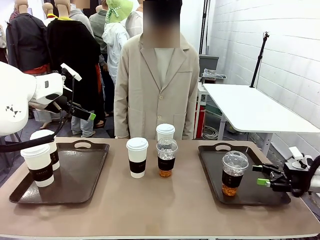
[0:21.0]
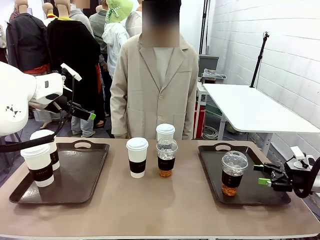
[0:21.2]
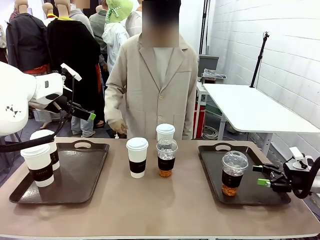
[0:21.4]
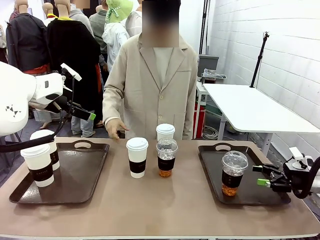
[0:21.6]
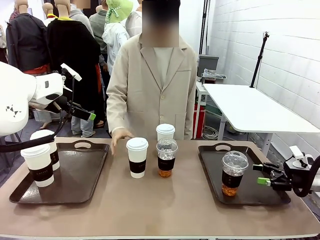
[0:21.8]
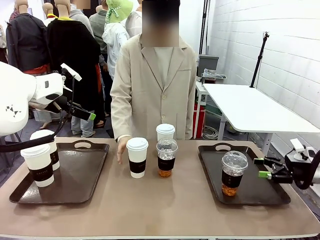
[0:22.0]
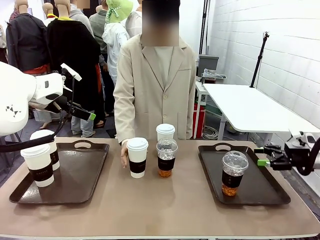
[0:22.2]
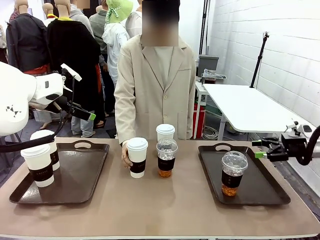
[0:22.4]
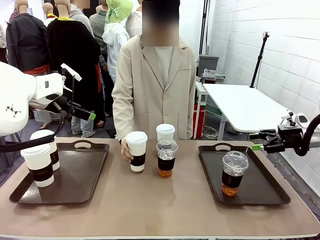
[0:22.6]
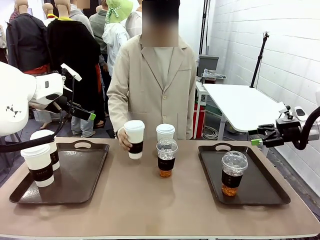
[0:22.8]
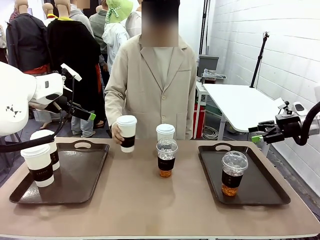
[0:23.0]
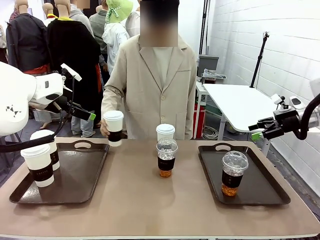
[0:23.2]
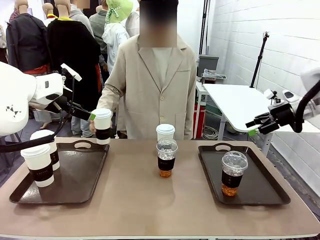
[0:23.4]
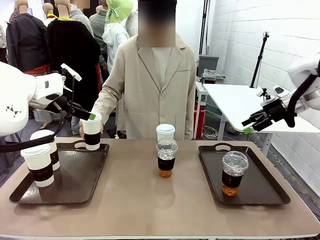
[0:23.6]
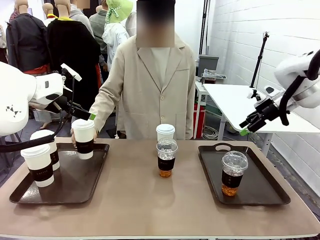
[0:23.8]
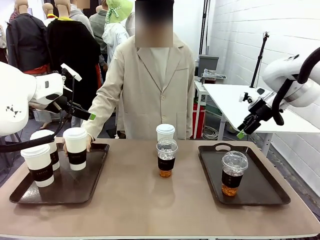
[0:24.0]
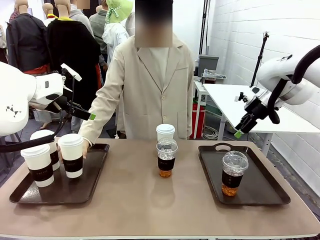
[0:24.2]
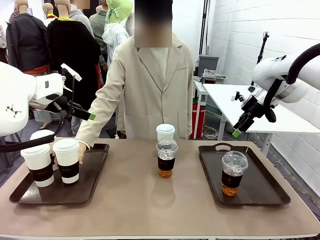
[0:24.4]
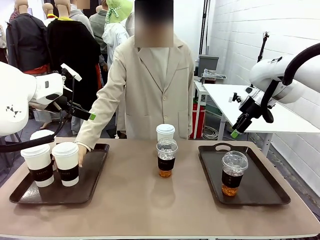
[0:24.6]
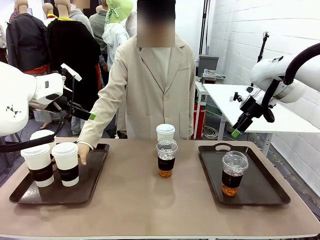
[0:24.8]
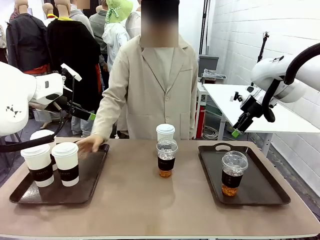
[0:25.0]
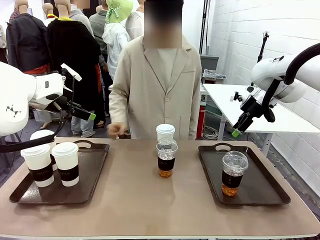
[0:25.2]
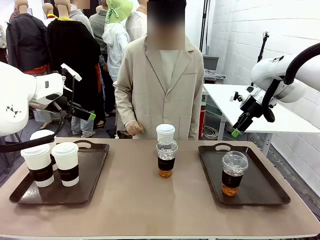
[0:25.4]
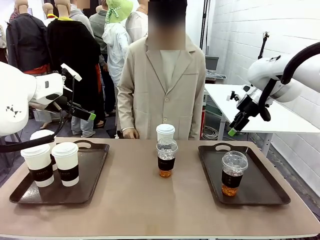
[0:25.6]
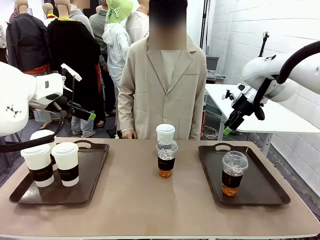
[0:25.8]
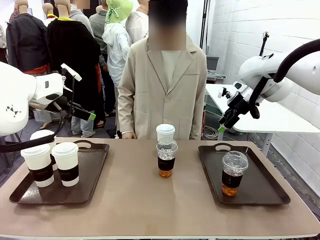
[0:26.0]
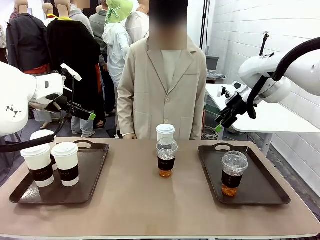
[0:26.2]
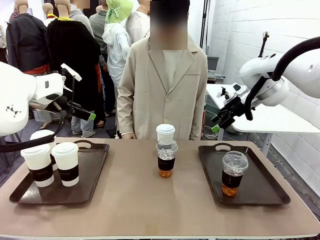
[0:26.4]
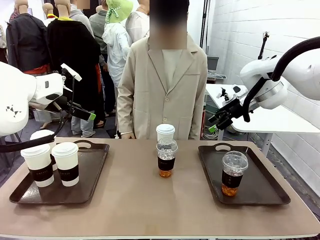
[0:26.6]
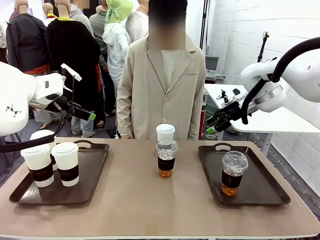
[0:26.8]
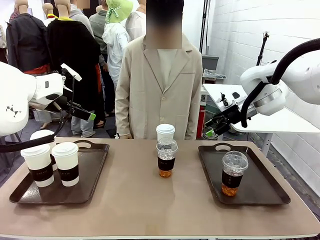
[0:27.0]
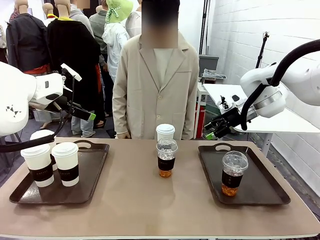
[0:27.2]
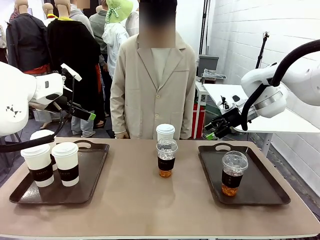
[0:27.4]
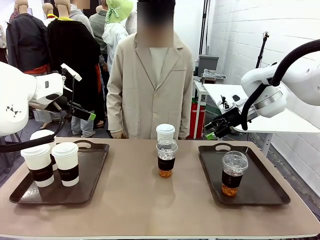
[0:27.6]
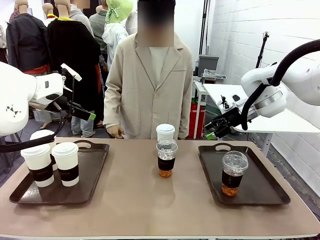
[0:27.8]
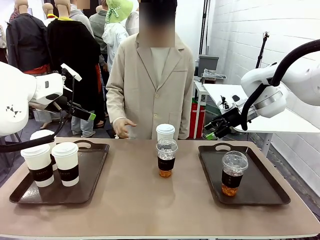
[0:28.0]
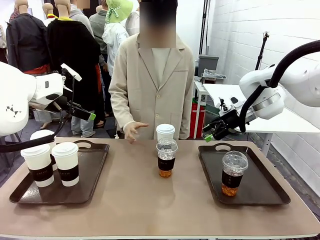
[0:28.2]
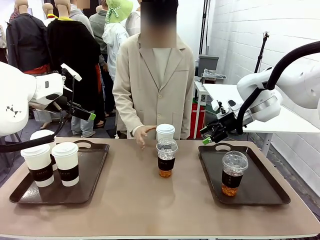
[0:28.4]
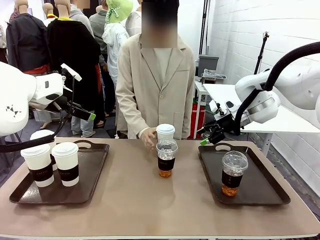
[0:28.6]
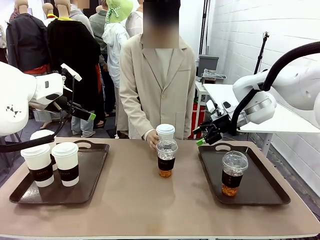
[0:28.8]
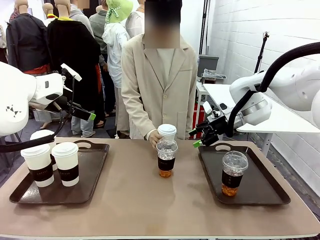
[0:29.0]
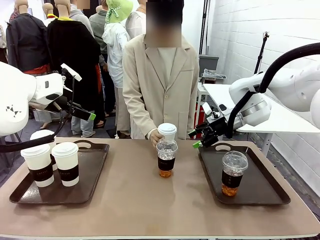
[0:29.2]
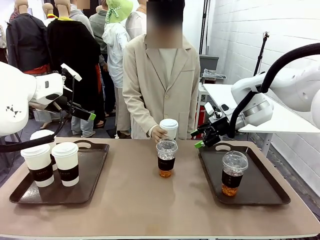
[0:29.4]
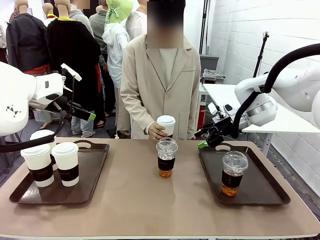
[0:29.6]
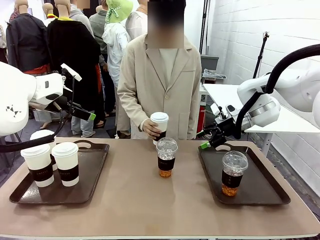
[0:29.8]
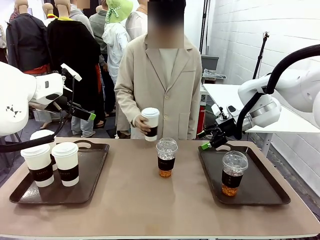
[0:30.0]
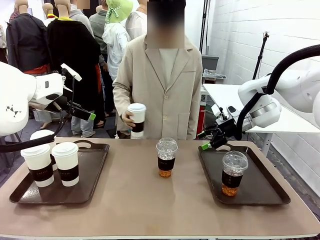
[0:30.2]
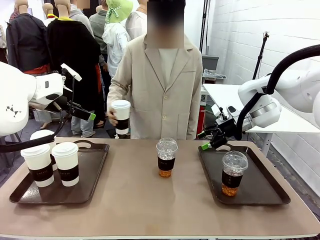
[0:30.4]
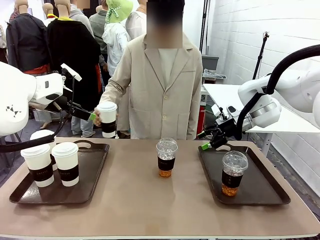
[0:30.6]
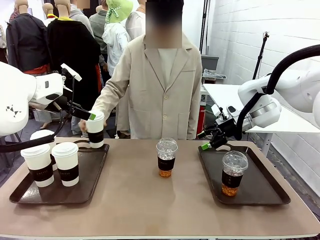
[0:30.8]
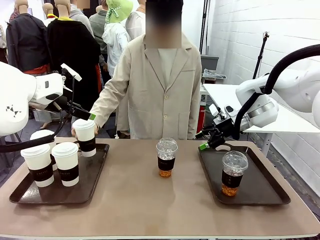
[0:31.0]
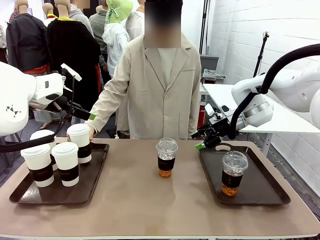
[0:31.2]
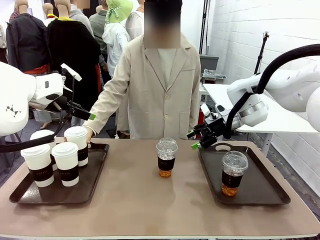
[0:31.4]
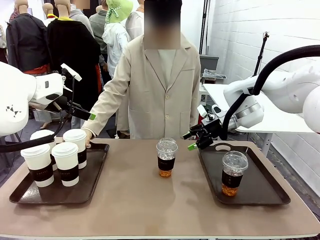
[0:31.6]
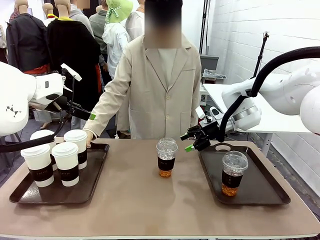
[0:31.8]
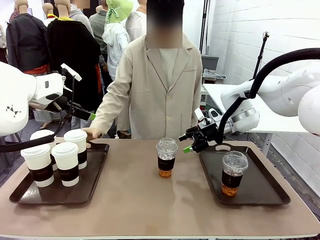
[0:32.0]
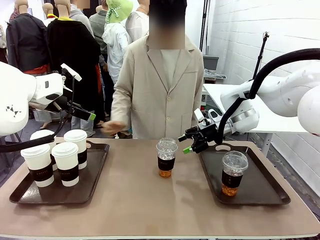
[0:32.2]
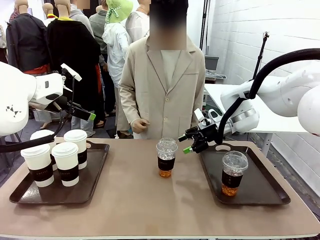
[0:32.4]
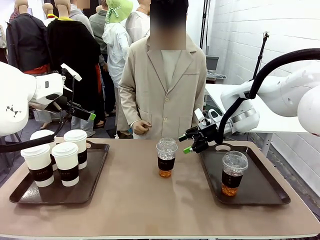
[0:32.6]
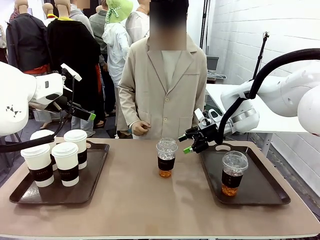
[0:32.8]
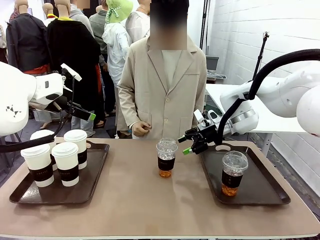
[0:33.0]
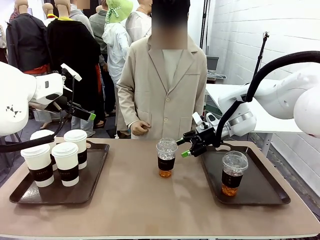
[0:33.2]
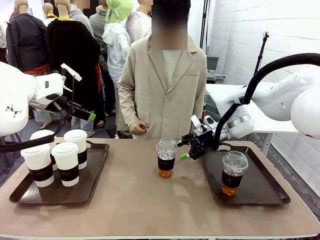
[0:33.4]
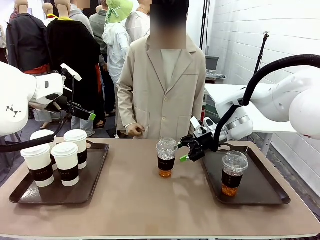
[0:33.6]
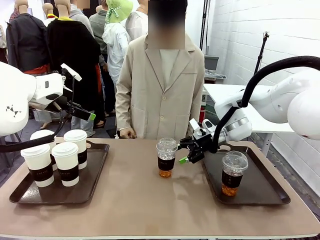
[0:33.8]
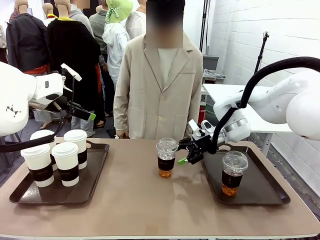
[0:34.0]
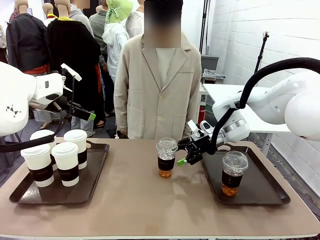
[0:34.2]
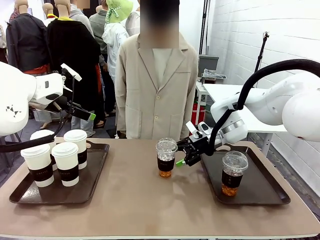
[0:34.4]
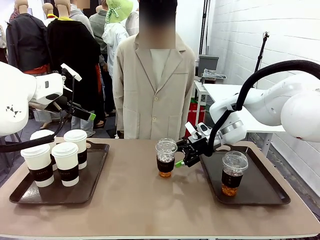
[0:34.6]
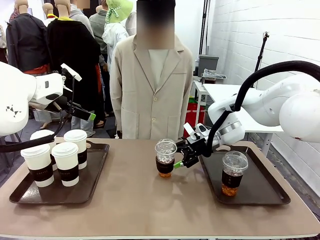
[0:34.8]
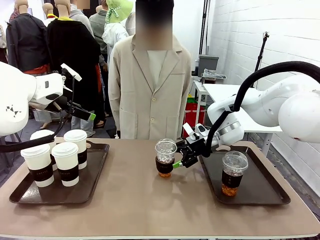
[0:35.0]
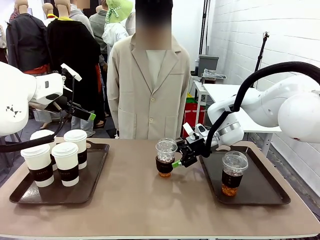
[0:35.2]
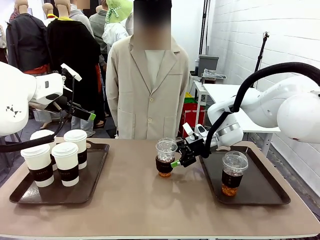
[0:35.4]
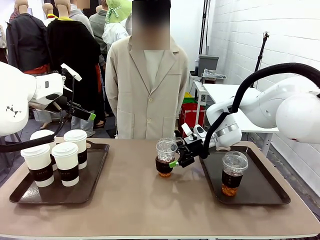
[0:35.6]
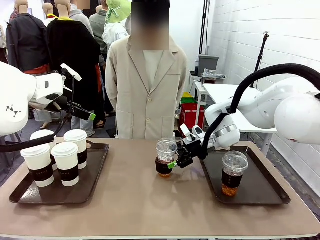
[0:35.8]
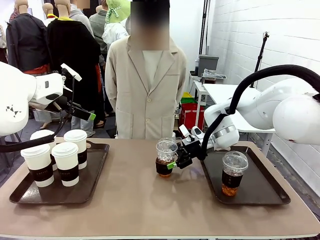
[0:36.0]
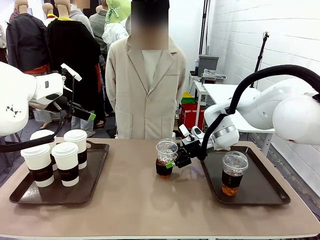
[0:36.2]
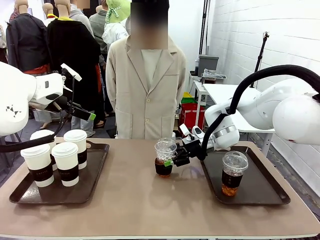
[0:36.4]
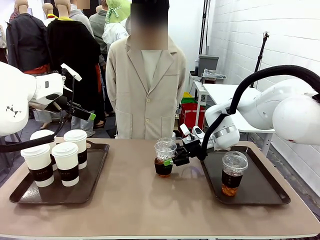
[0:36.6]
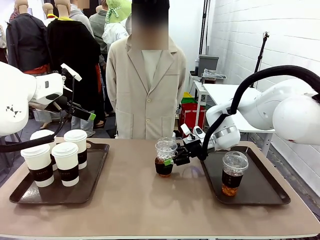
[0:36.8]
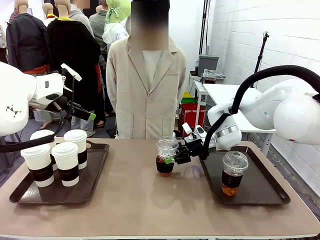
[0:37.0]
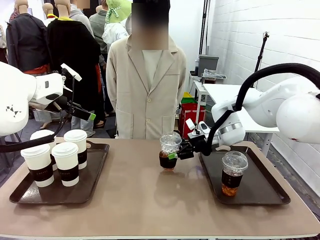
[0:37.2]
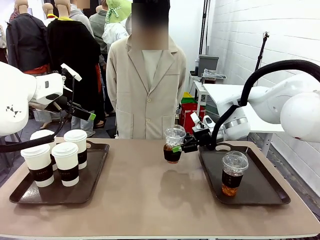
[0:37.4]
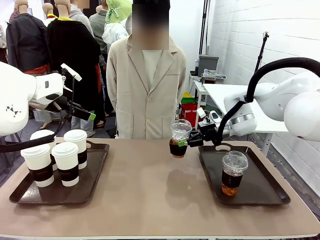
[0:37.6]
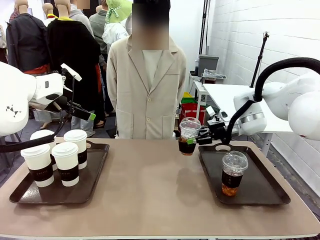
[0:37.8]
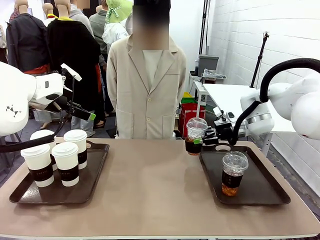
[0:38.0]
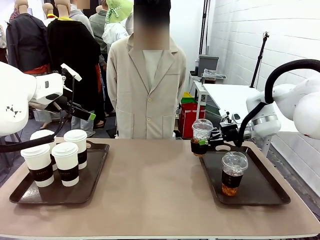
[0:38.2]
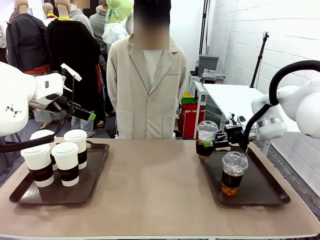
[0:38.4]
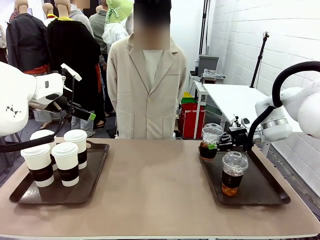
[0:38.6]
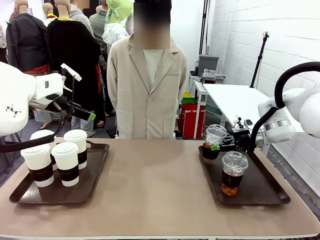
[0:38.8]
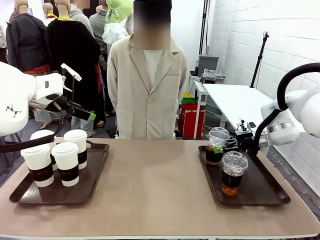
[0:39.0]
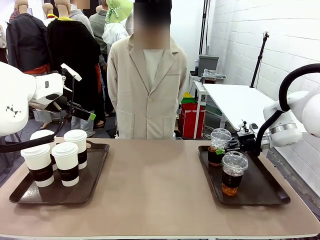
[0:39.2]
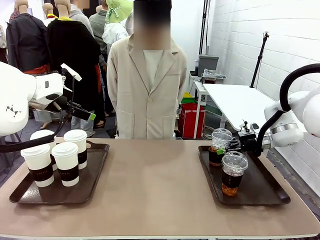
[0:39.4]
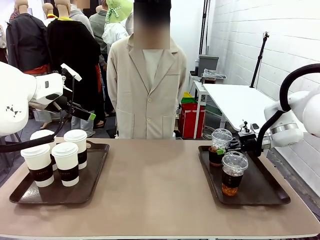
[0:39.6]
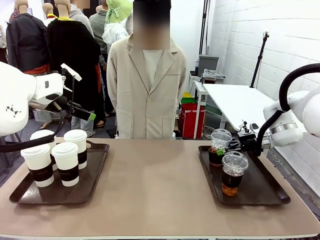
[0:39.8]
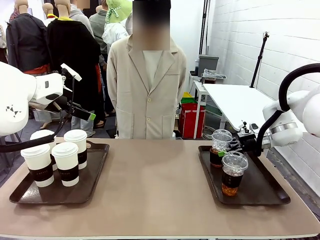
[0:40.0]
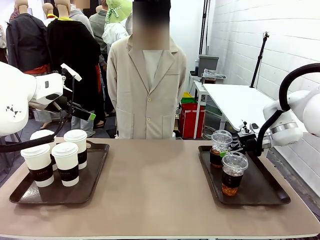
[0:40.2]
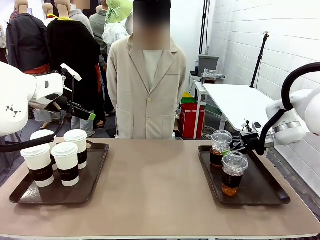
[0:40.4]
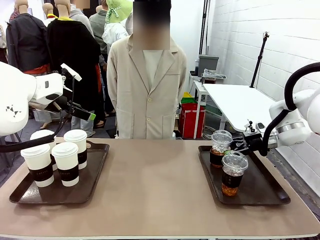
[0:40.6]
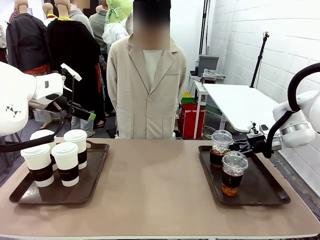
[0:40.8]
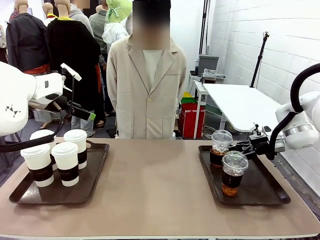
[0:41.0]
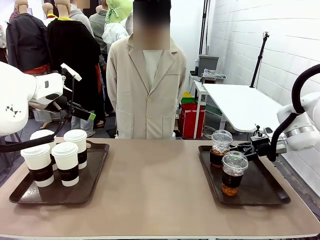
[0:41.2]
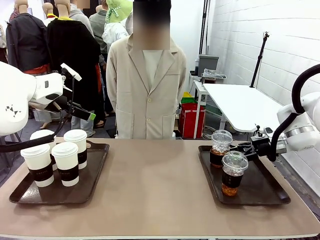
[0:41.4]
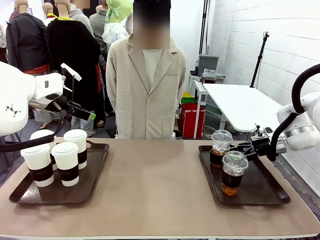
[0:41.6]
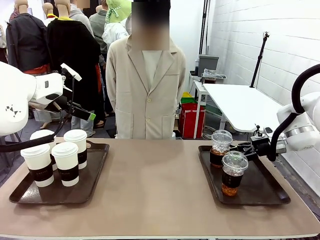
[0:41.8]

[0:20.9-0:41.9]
Task: Distribute the coffee onto the tray.
Robot: Pick up another iced Americano from the middle of the table and place it on the right Handle tray.
Person: Pick up a cup of hot Americano from the middle of the table and place it on the right tray.
